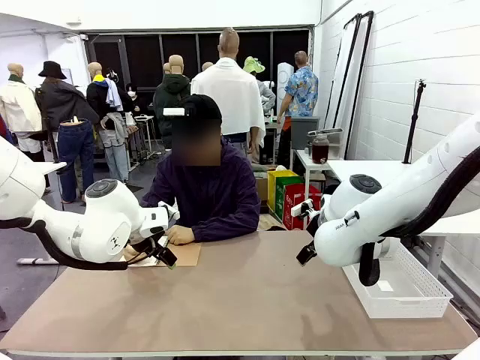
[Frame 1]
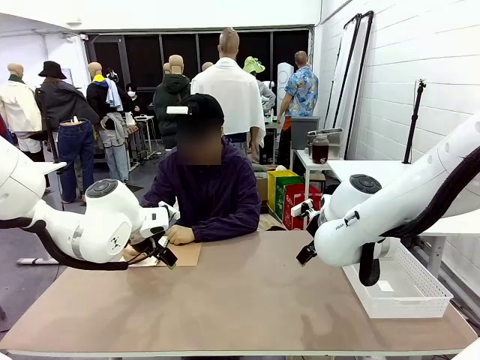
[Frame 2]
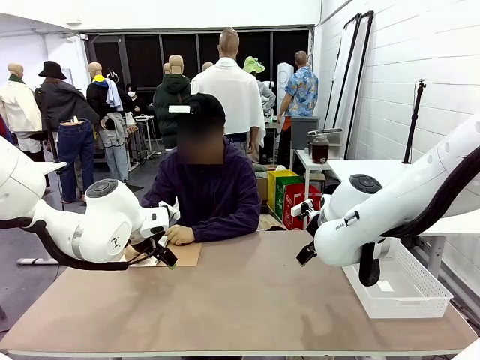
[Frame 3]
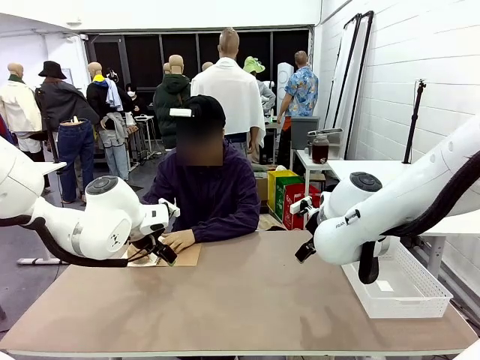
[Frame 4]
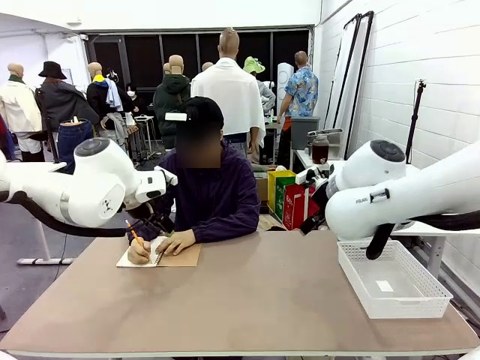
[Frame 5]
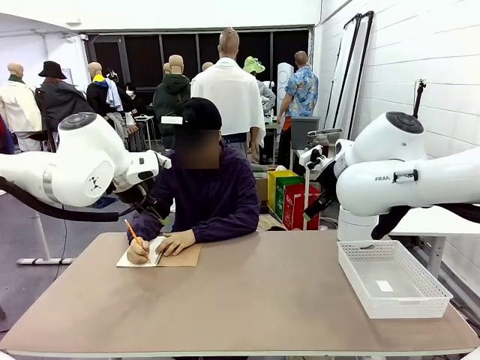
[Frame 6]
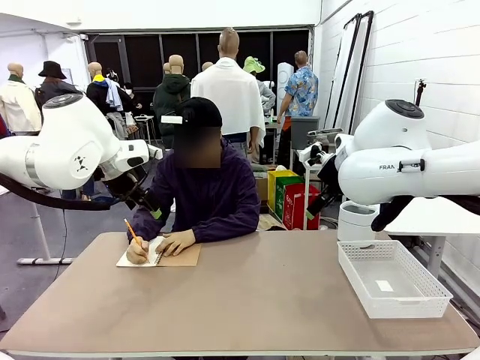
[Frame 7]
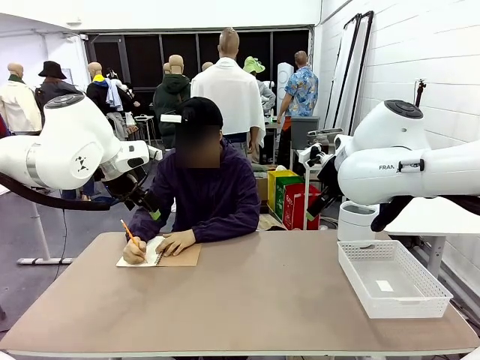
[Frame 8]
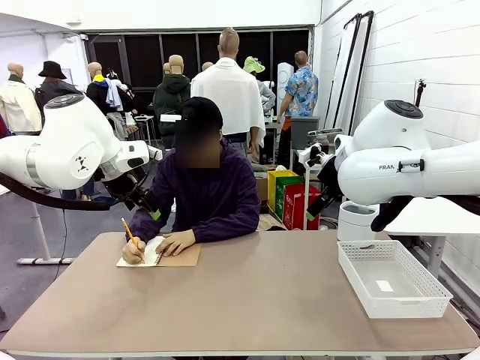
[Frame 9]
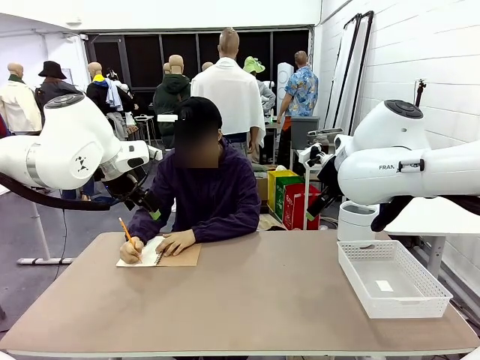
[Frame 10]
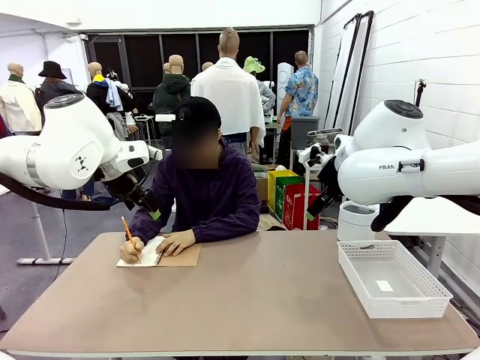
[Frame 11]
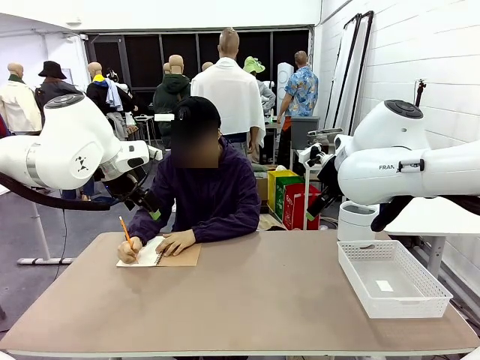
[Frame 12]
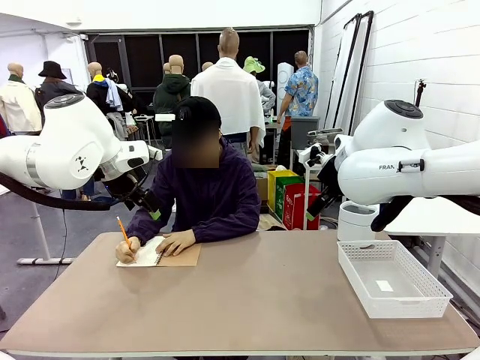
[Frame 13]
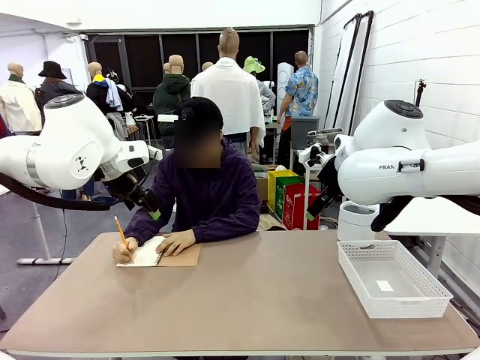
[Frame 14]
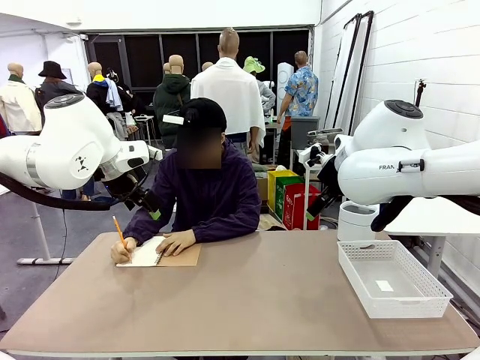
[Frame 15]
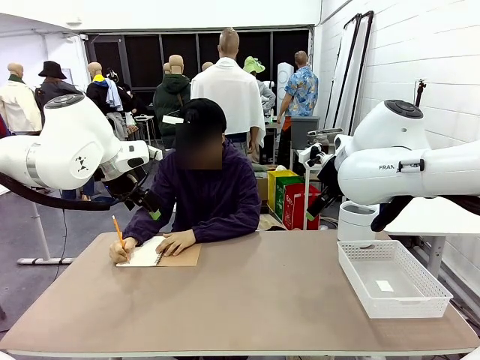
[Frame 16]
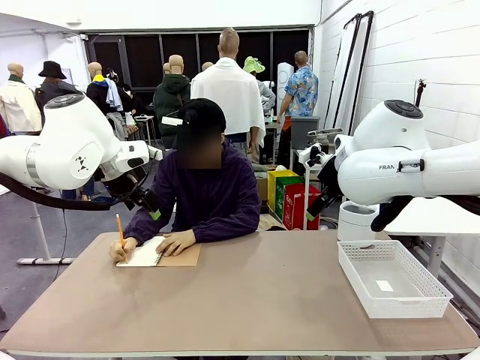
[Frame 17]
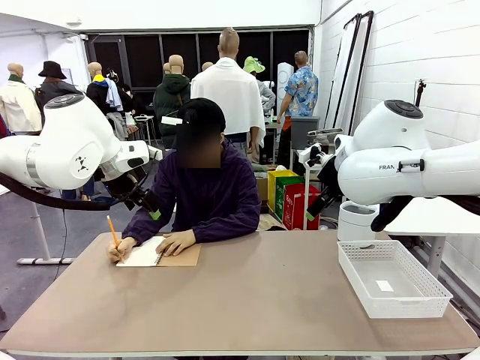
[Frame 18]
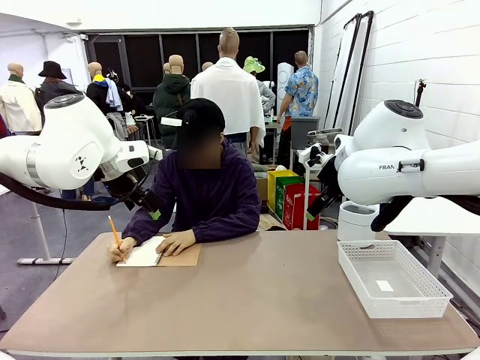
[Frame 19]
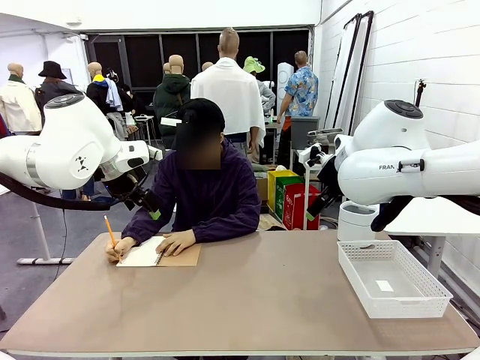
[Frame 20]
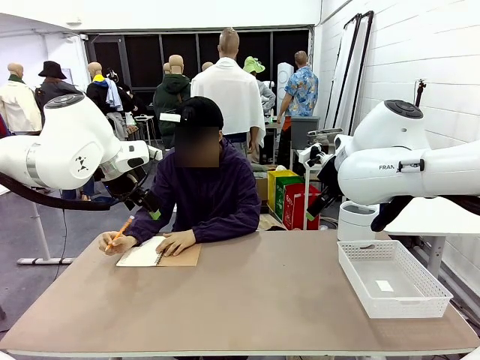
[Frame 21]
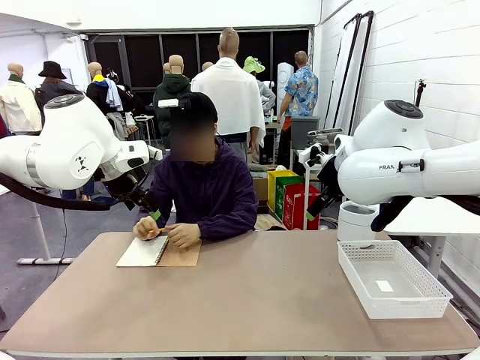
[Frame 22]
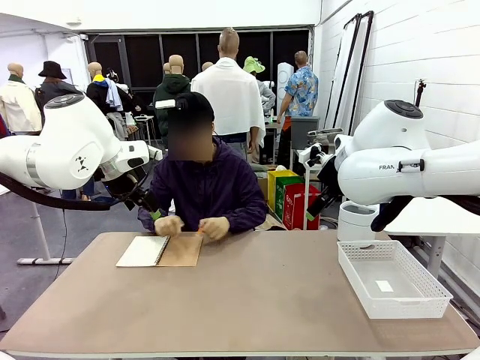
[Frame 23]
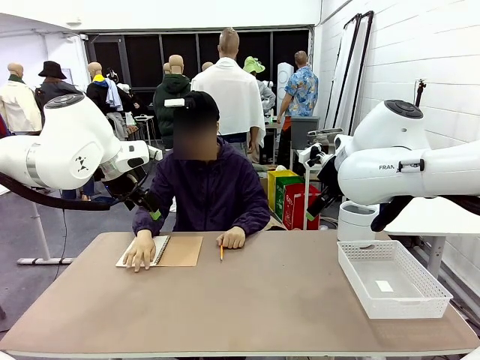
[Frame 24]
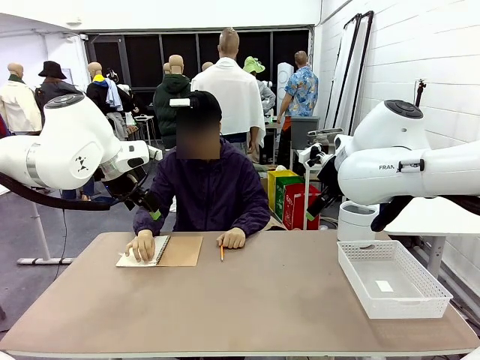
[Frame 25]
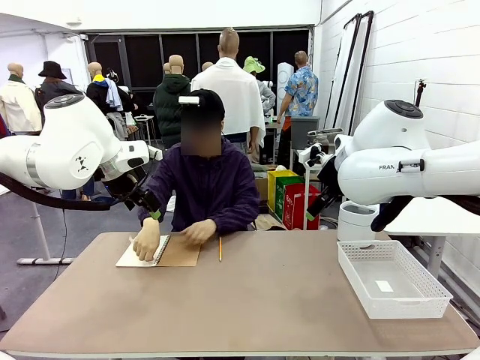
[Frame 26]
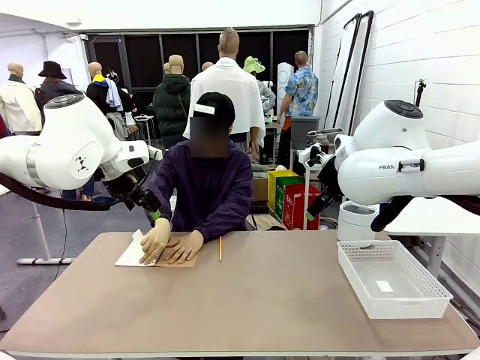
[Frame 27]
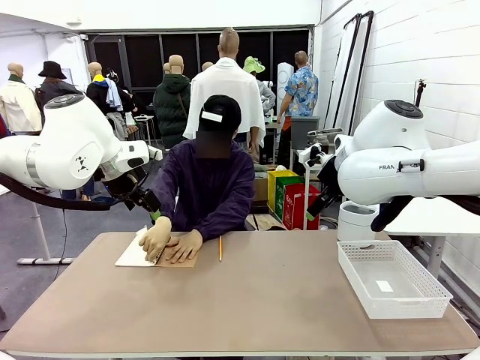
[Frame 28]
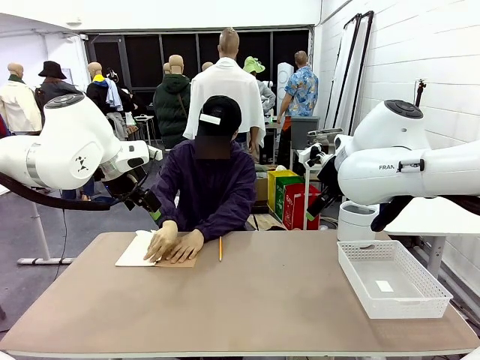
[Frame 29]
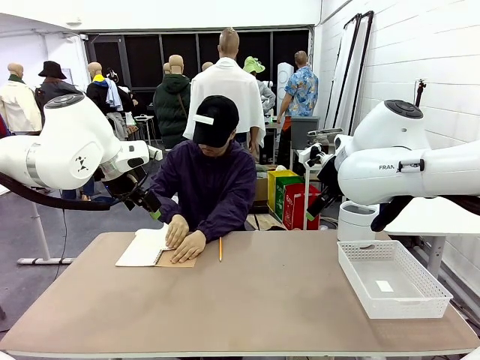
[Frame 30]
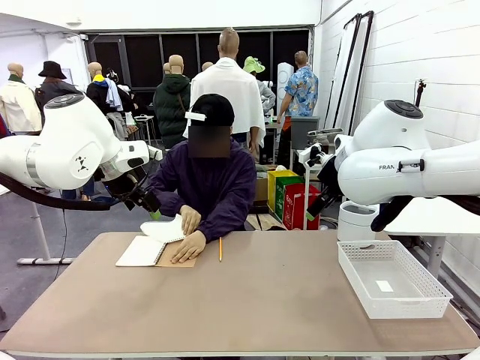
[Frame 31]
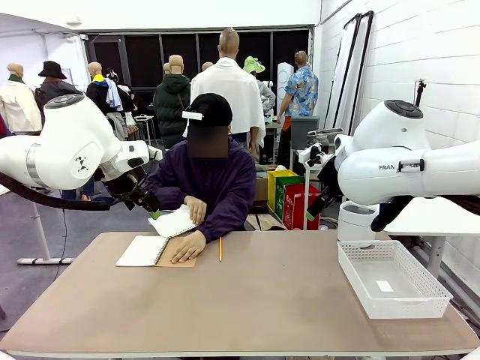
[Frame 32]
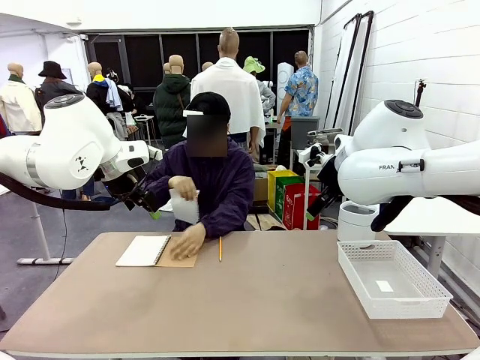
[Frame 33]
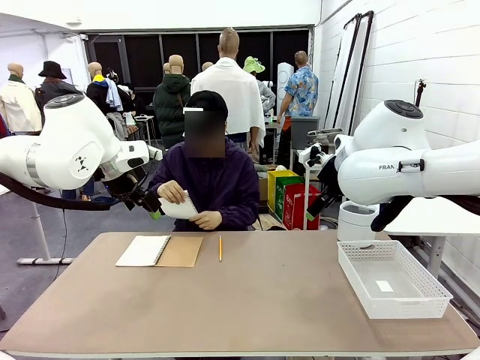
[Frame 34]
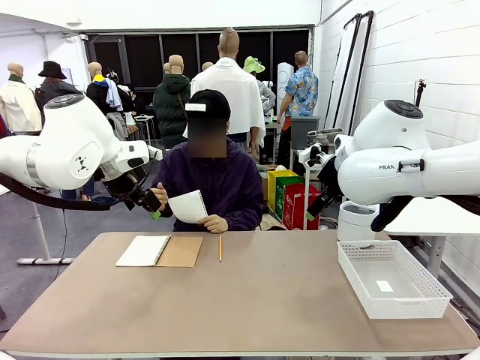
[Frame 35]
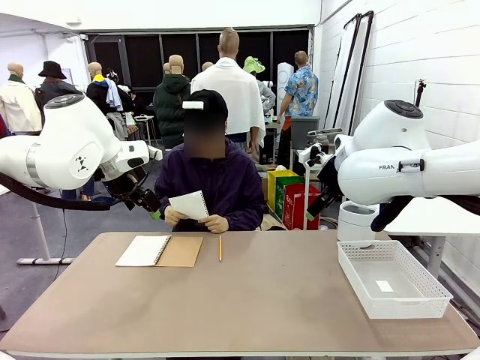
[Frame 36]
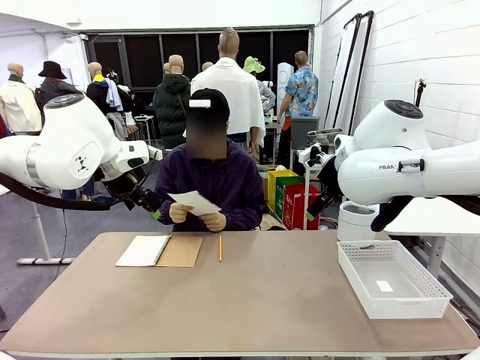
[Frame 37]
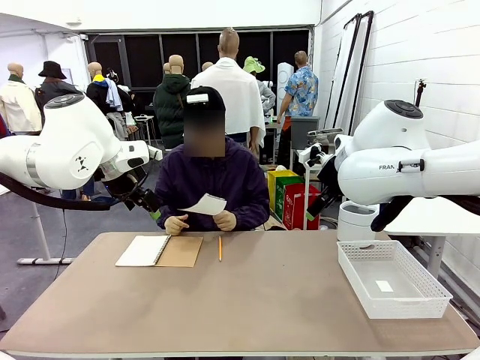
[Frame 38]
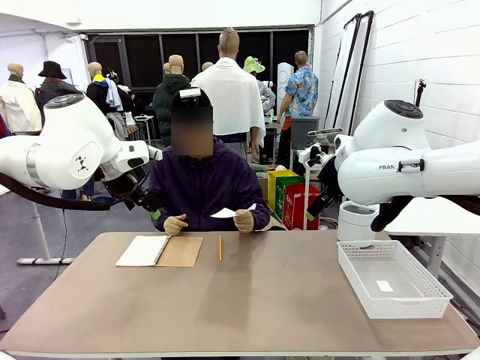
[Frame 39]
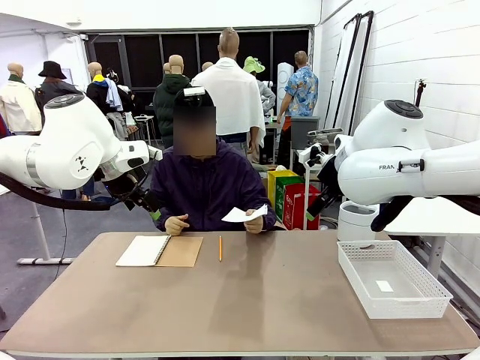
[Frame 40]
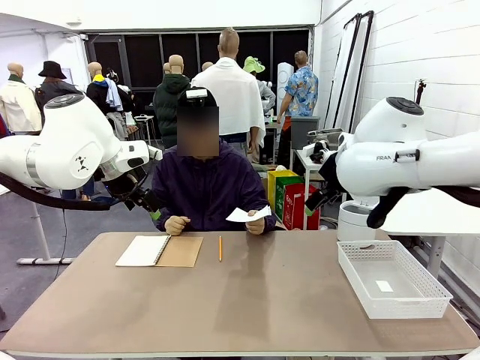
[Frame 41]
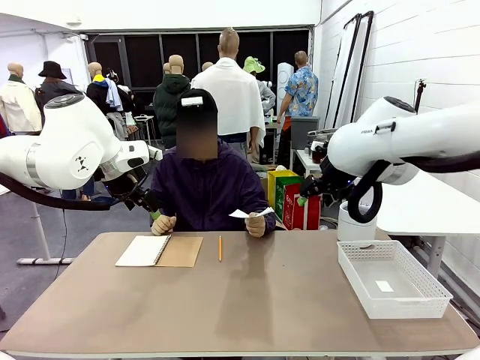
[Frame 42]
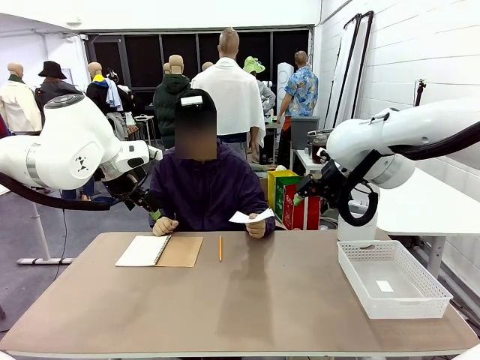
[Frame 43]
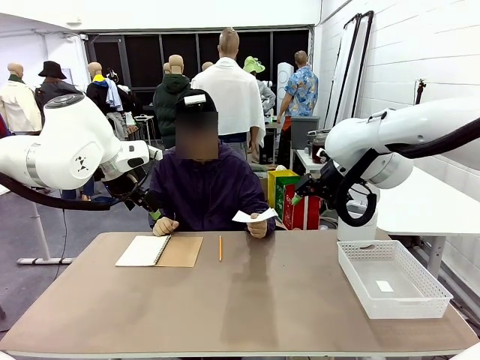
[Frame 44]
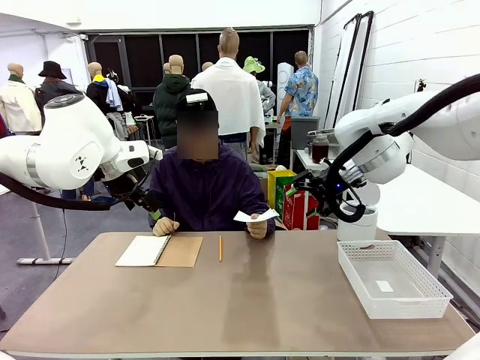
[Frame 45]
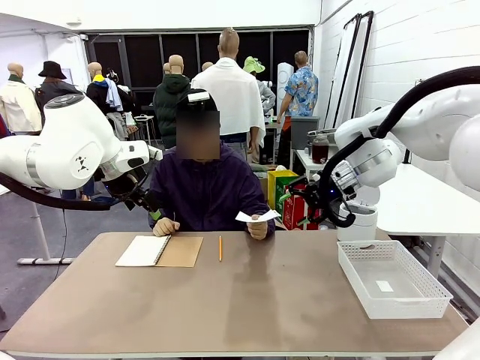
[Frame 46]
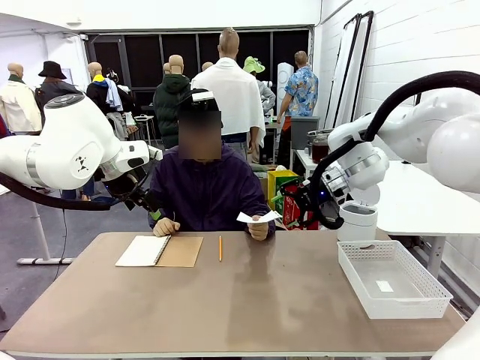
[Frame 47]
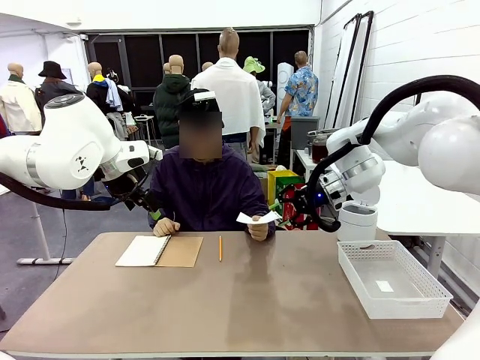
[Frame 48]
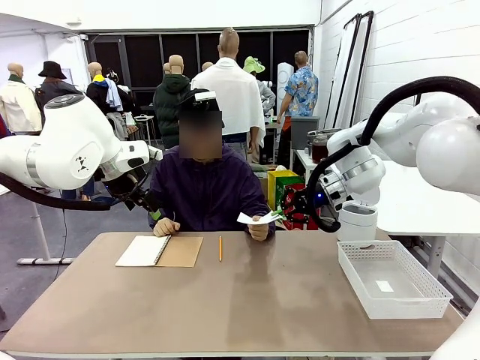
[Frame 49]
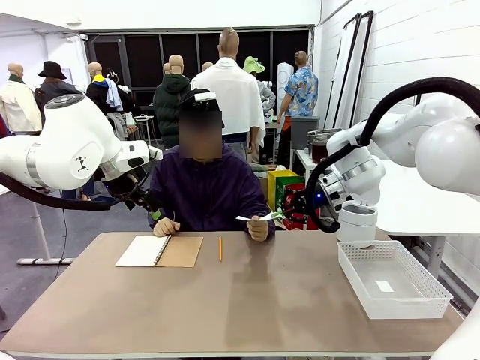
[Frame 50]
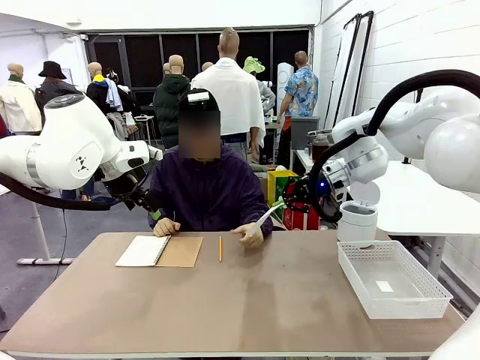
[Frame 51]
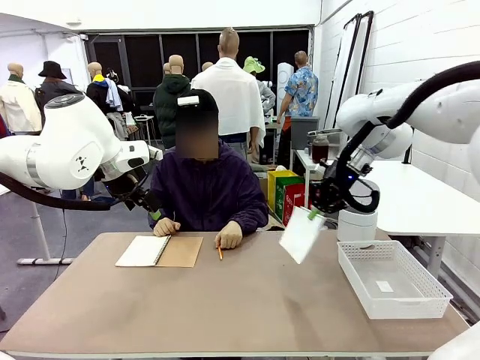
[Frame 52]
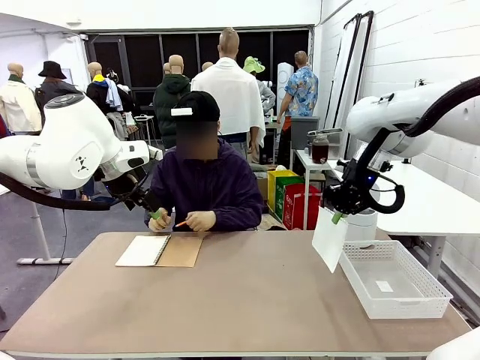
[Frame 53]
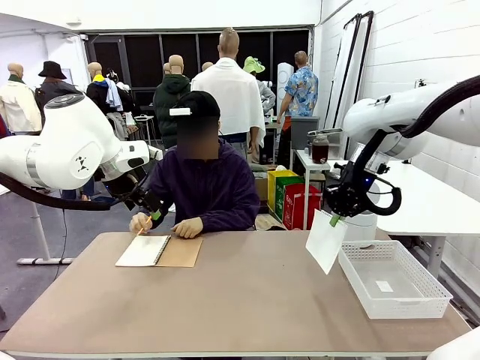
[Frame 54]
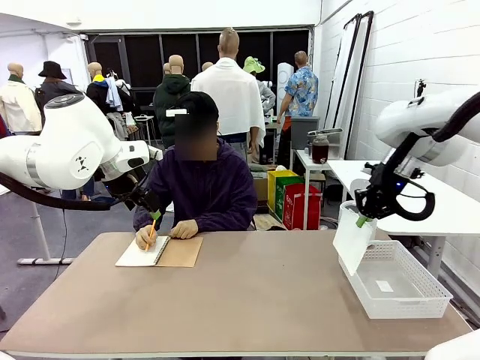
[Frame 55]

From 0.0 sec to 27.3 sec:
Task: Sort the paper based on its condition.
Robot: If a person hands you a paper, place it in the Organizing basket , and if it's crumpled, put it in the Trash can.
Person: Tear out a page from the spiral notebook. Hand the torn page to the robot or crumple it and throw it to the center of the table.
